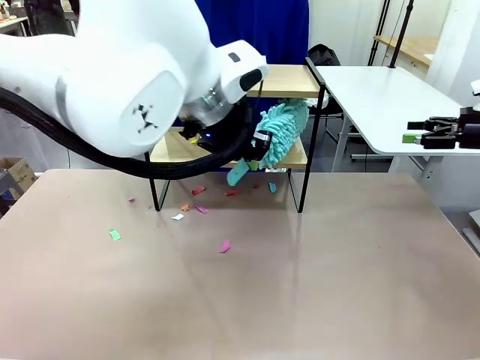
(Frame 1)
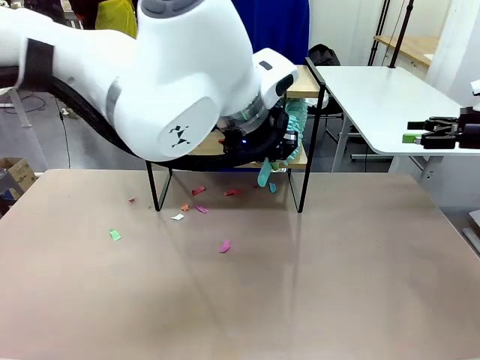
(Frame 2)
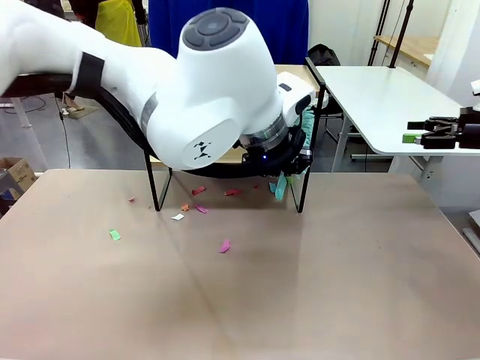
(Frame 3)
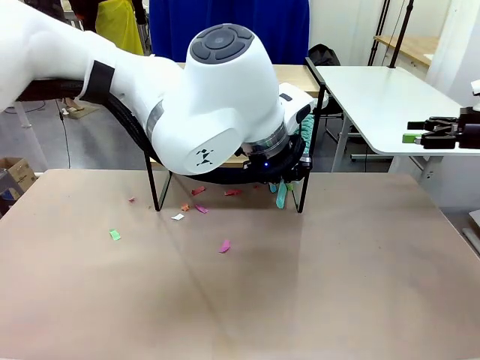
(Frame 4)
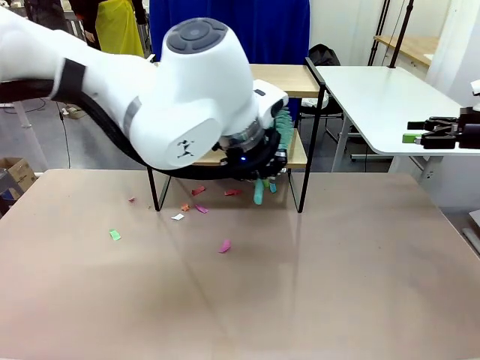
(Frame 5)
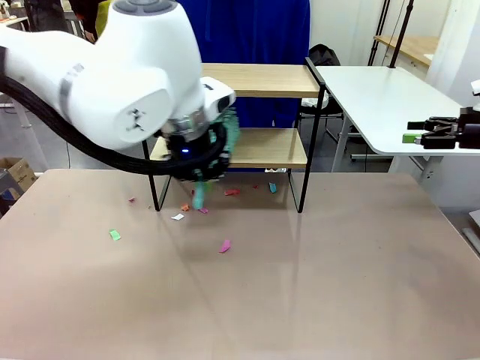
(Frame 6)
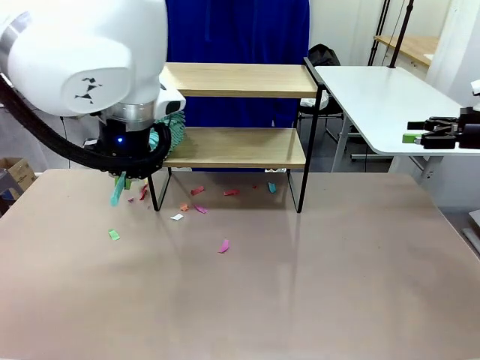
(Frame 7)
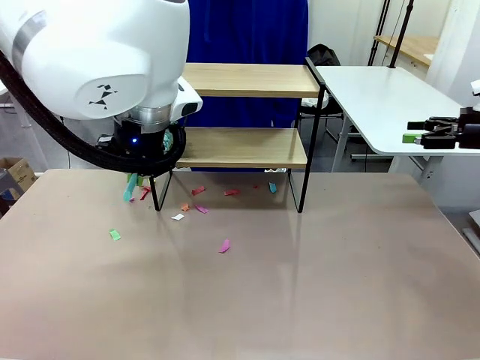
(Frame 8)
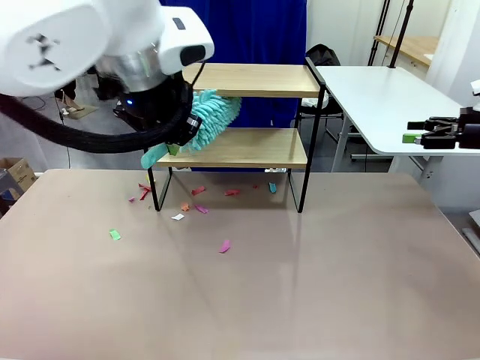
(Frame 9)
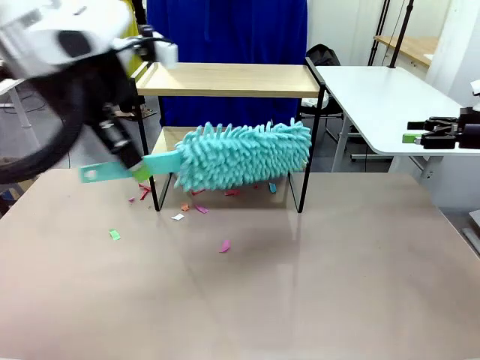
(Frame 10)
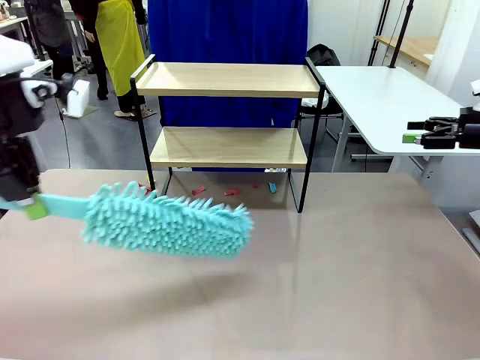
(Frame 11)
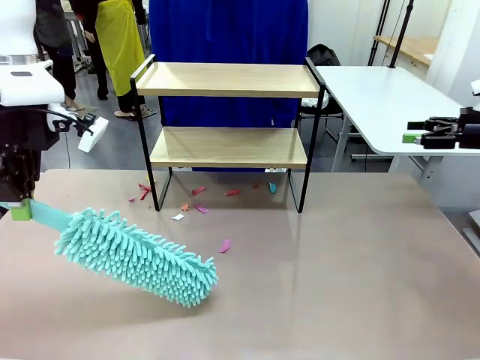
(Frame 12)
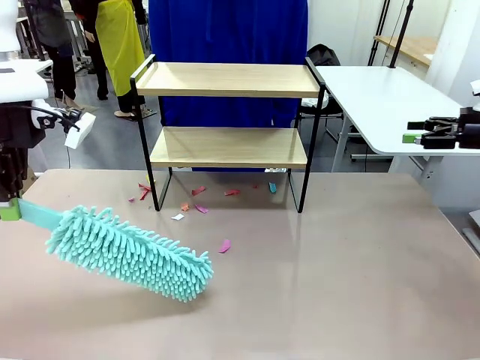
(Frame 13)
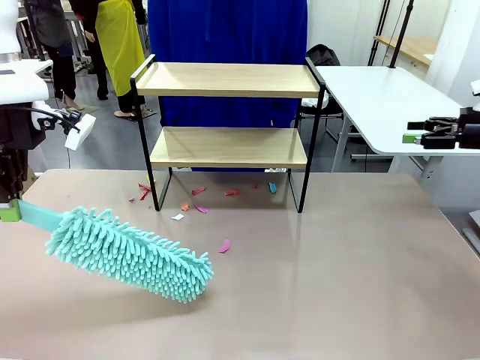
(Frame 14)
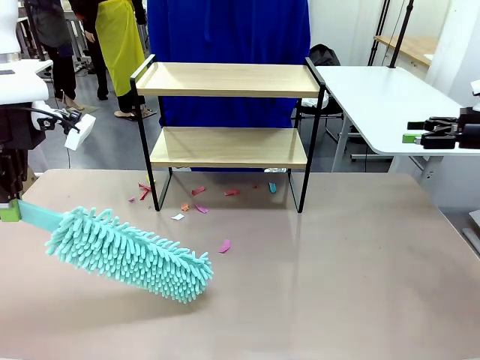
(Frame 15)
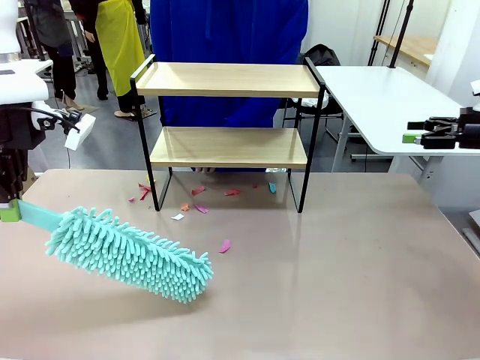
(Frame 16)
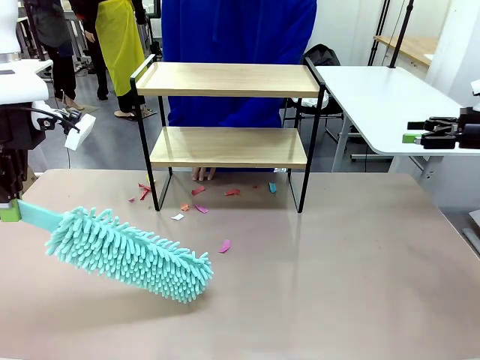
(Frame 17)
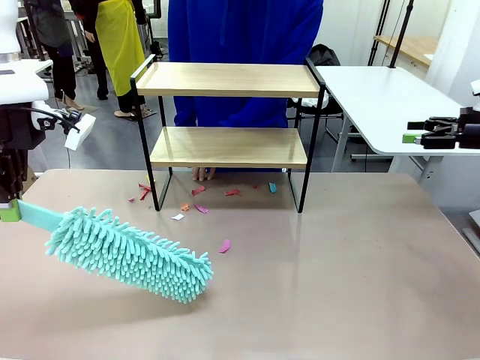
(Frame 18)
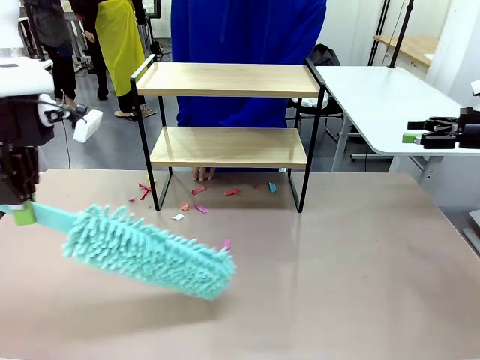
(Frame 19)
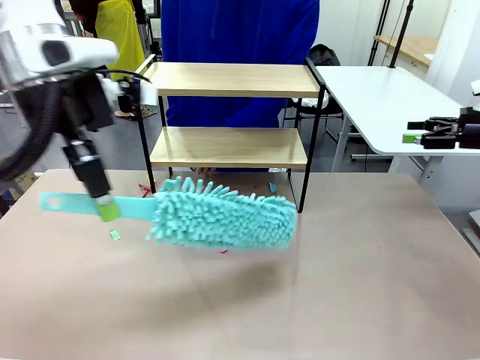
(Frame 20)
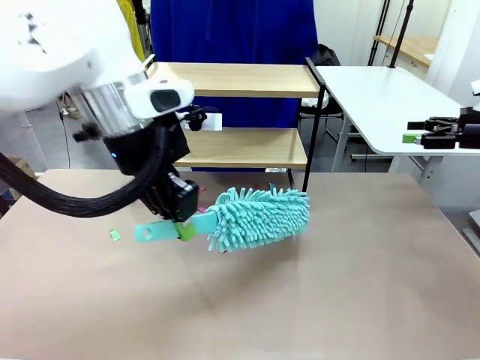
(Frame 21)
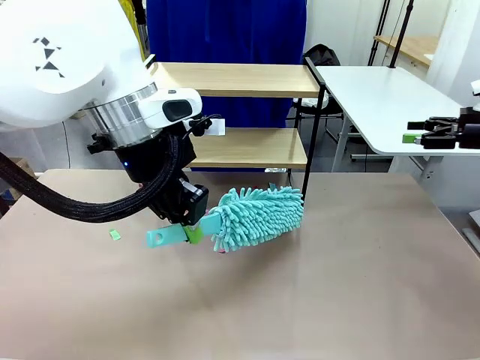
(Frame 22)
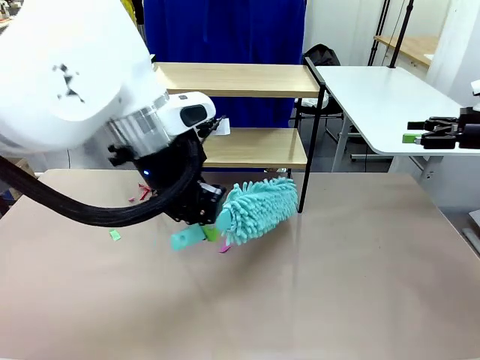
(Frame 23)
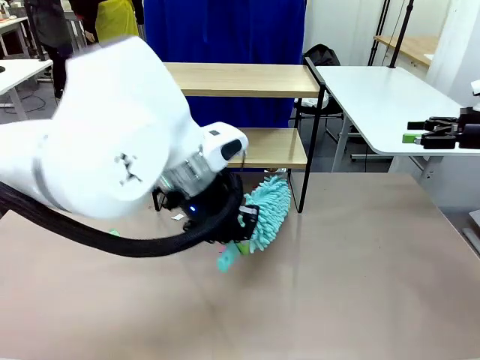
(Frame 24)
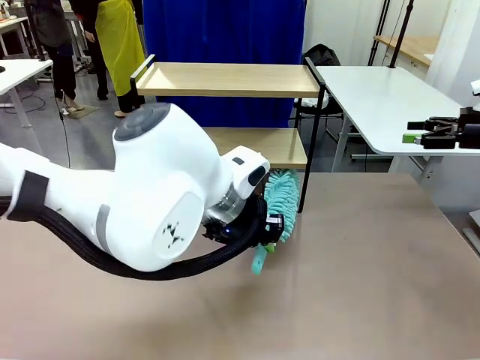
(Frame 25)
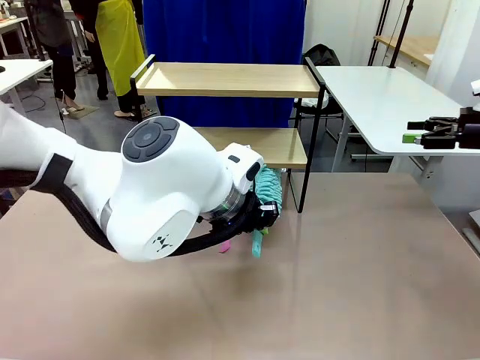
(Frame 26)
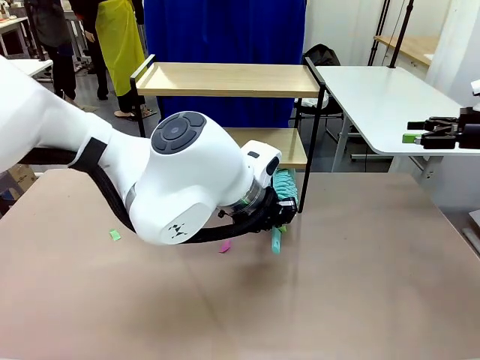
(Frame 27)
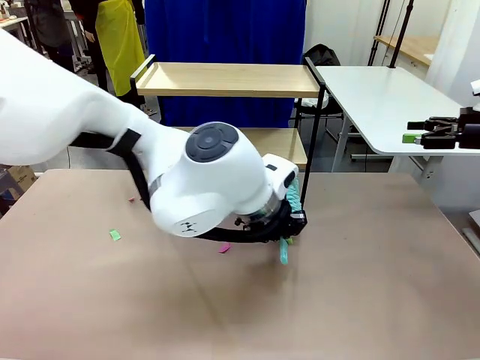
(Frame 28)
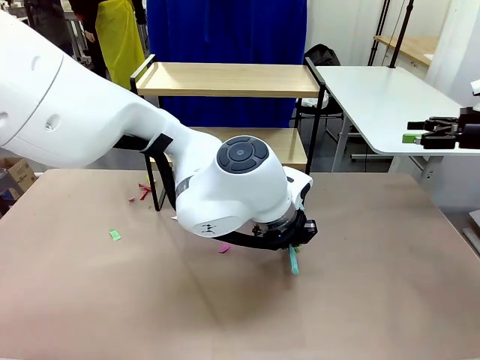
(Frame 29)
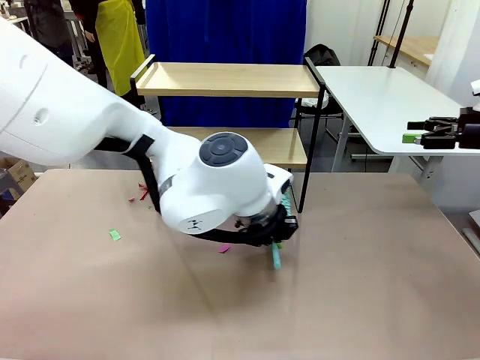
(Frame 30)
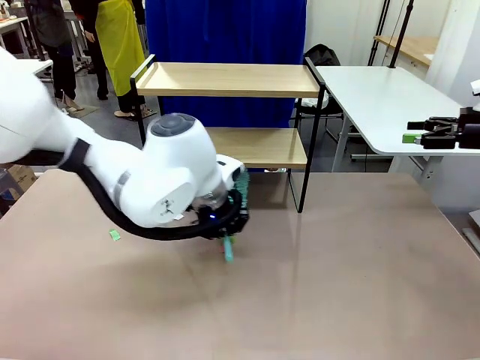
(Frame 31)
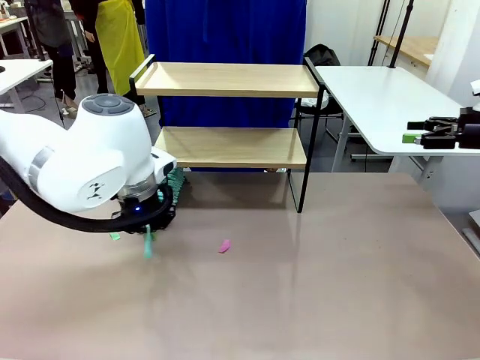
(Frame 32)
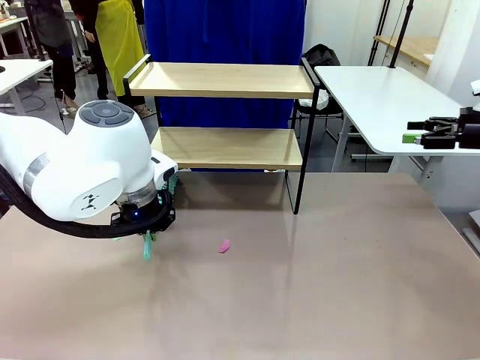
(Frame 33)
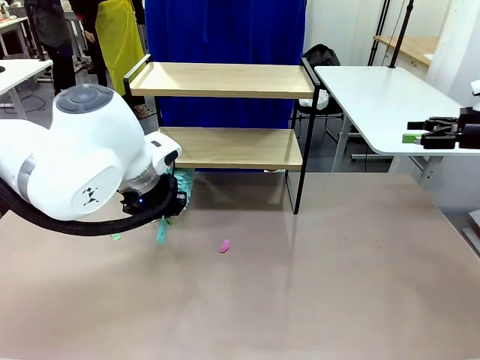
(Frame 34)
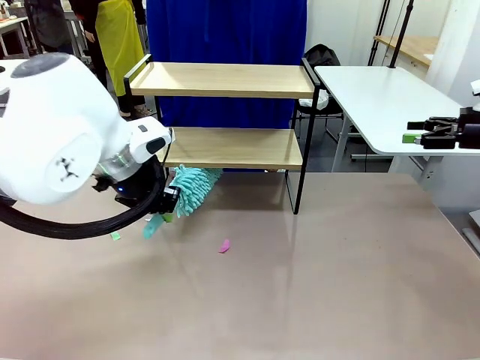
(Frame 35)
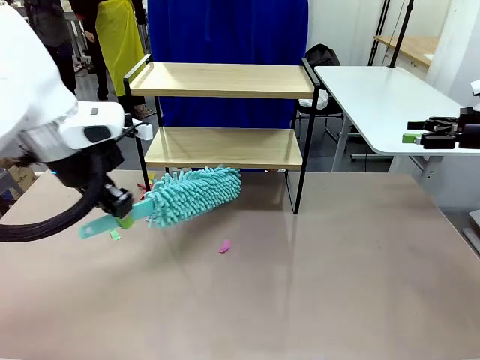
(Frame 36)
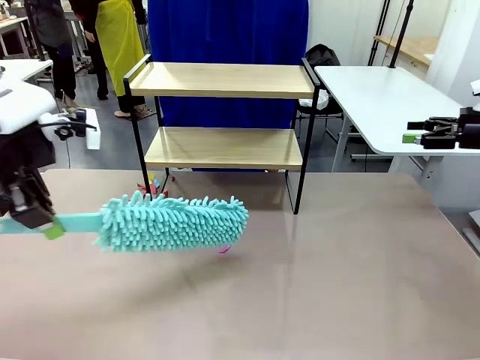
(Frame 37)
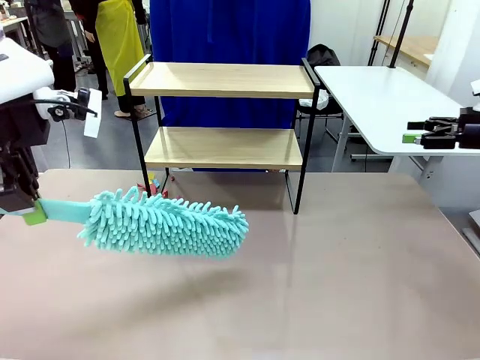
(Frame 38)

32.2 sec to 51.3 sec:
Task: Clean the shelf.
Robot: Clean the specific section of the Shelf indicated by the human with the Duster.
Person: Point a remaining section of the Shelf.

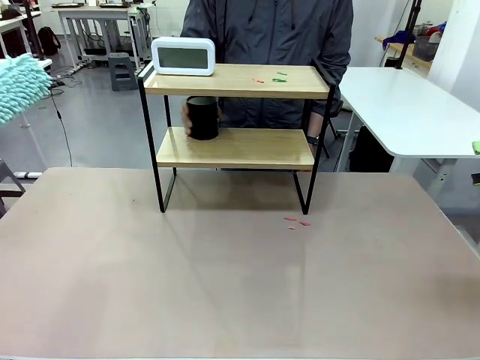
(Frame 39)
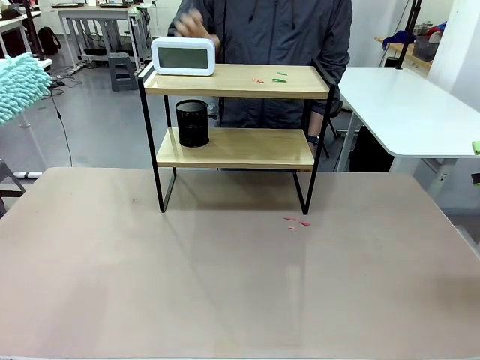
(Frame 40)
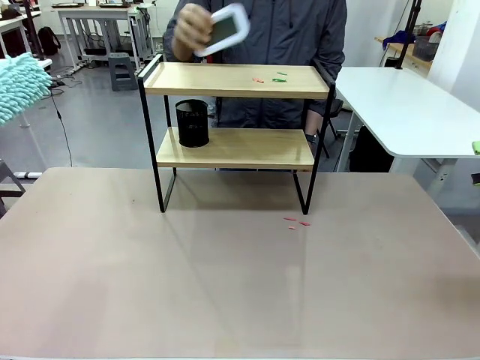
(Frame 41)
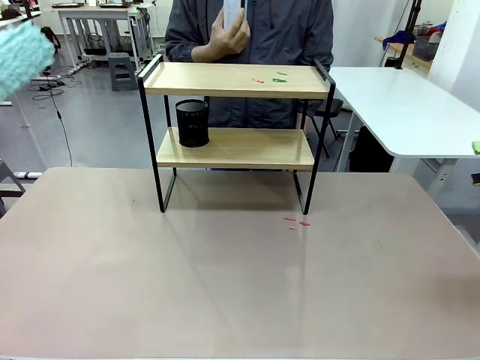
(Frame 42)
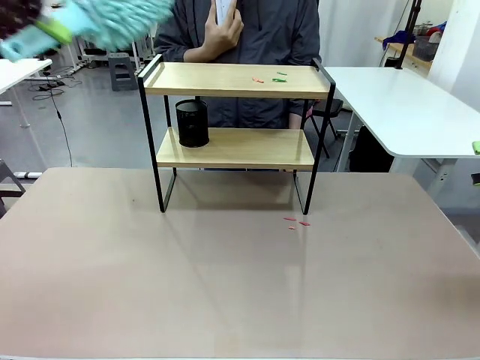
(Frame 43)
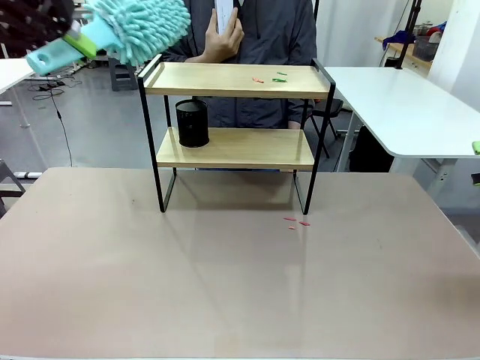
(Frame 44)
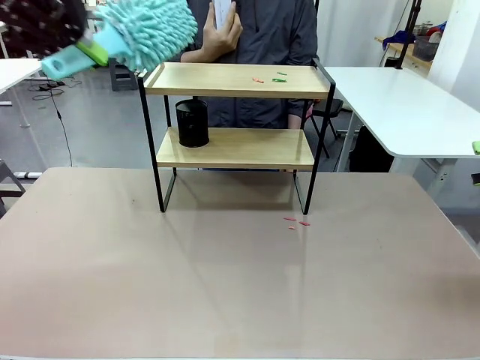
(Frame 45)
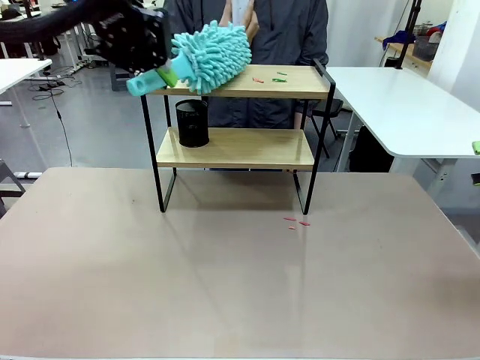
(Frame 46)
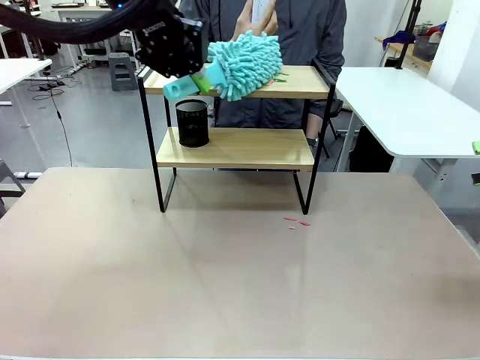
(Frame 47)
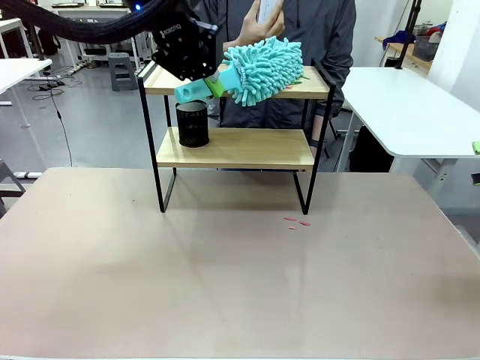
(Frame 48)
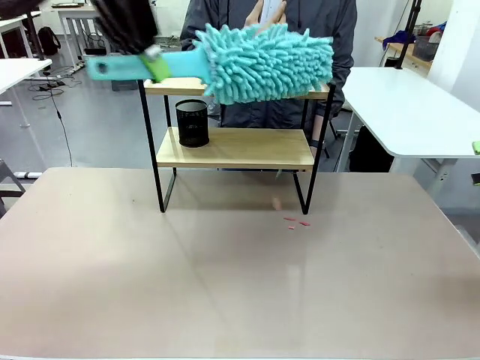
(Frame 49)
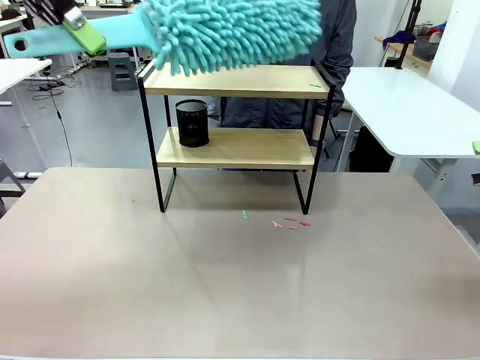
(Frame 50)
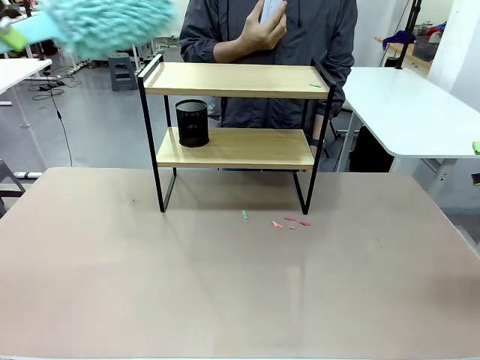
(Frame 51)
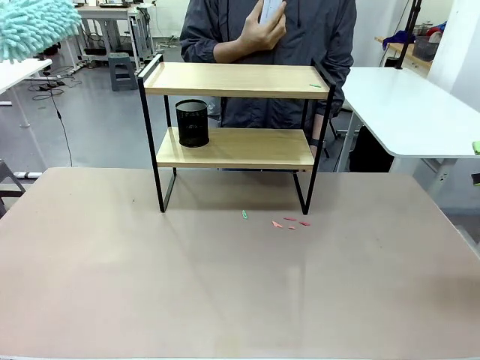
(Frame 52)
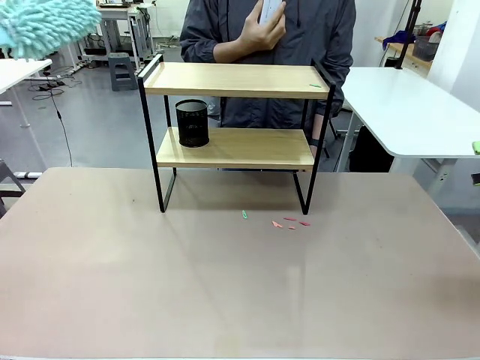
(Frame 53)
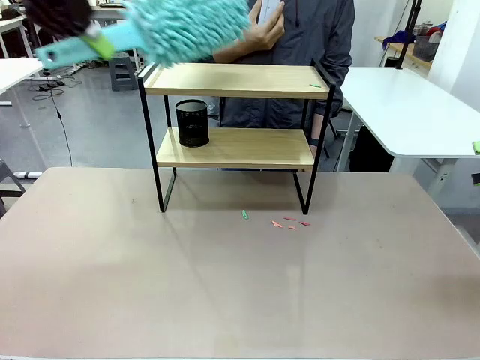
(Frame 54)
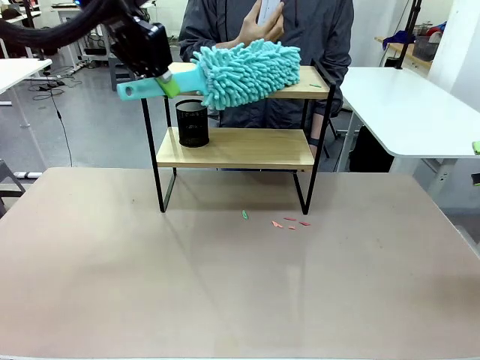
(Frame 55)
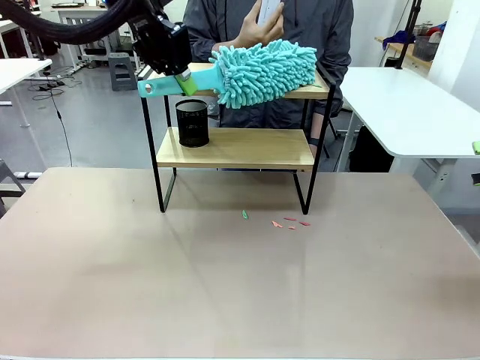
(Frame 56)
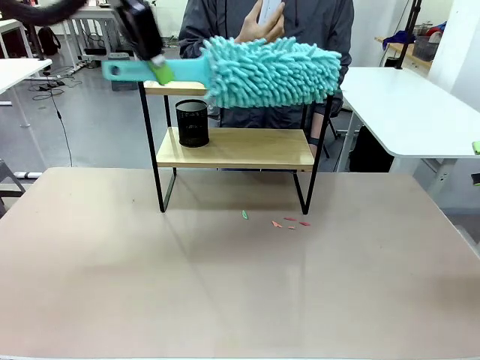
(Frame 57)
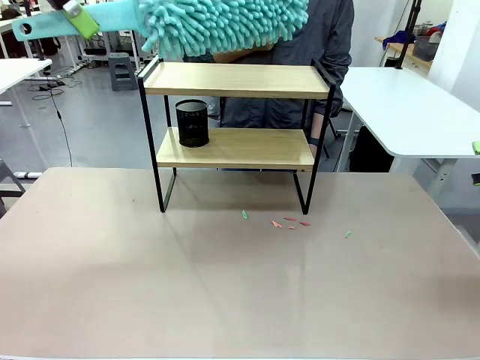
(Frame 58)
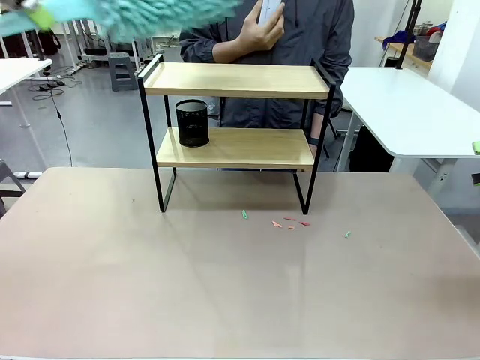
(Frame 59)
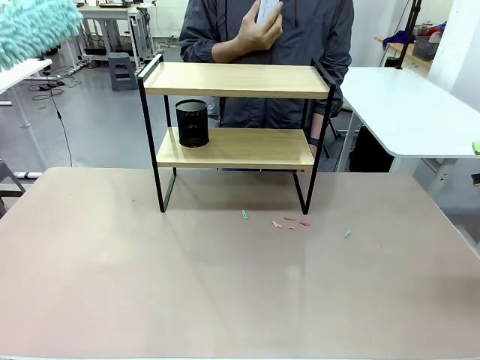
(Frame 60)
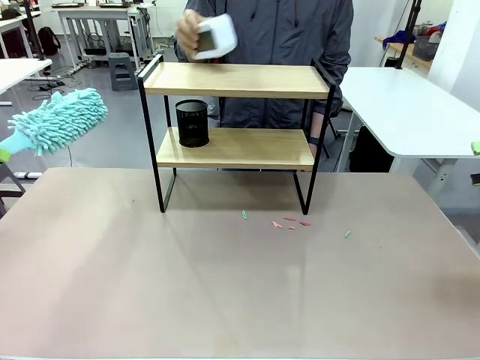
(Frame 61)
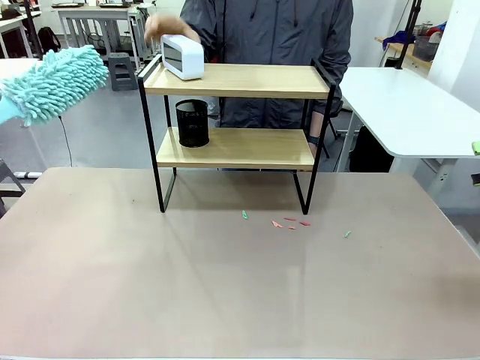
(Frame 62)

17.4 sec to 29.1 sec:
Task: Clean the shelf.
Robot: Clean the remaining tier of the Shelf with the Duster once objects are removed.
